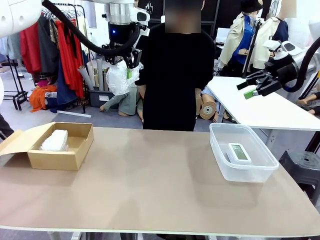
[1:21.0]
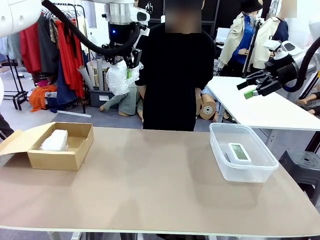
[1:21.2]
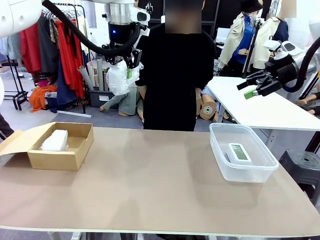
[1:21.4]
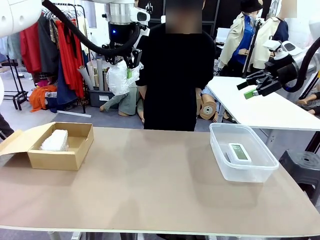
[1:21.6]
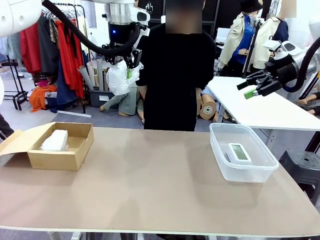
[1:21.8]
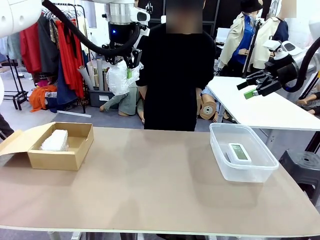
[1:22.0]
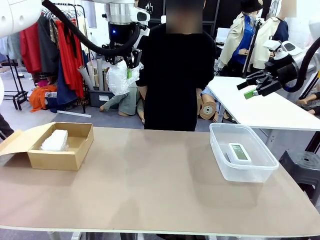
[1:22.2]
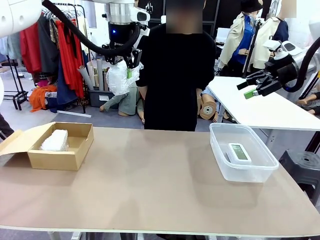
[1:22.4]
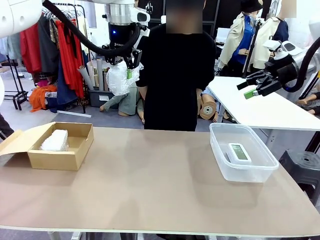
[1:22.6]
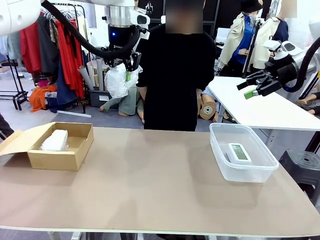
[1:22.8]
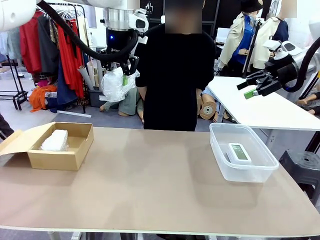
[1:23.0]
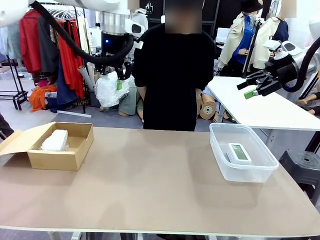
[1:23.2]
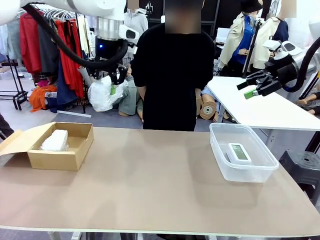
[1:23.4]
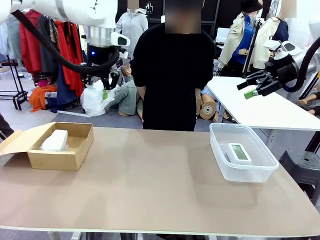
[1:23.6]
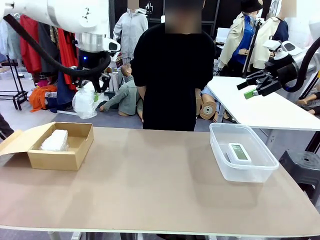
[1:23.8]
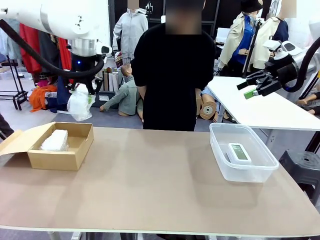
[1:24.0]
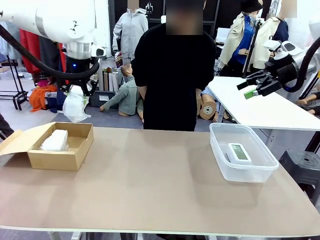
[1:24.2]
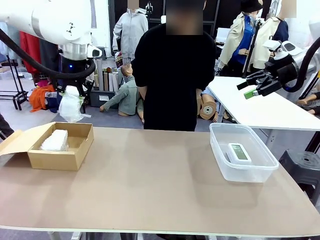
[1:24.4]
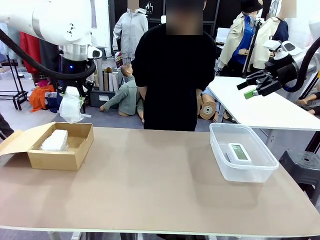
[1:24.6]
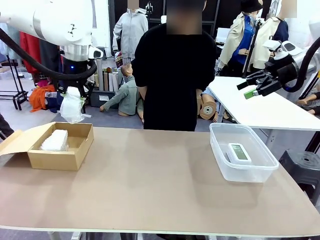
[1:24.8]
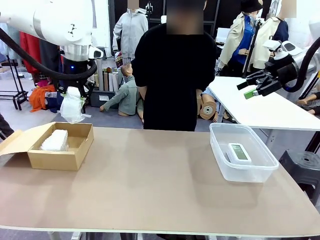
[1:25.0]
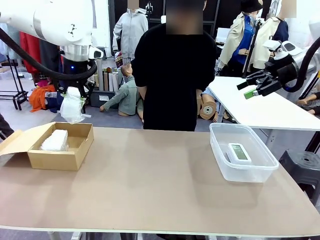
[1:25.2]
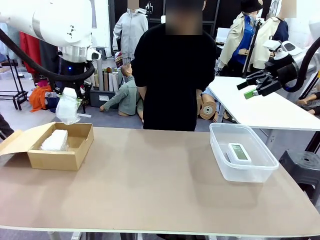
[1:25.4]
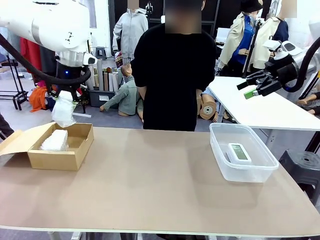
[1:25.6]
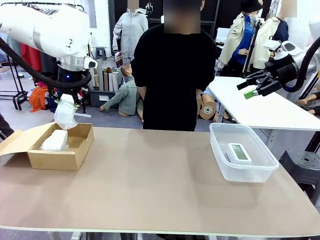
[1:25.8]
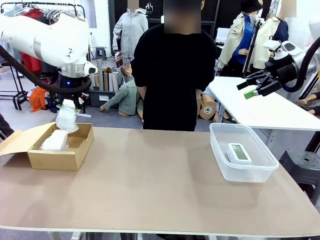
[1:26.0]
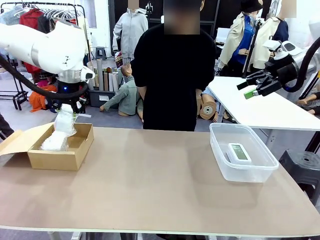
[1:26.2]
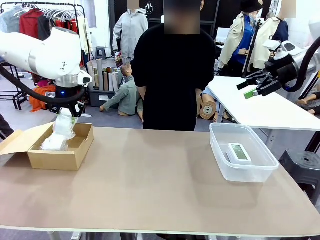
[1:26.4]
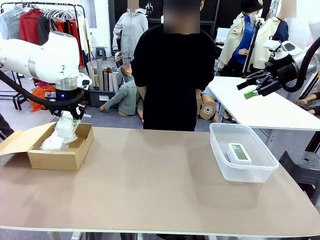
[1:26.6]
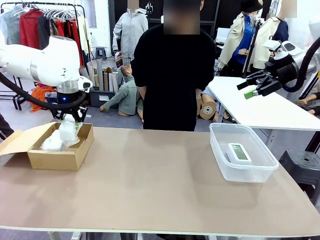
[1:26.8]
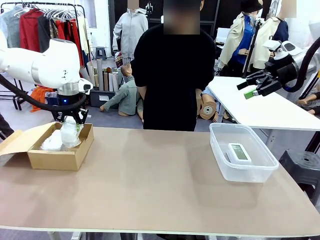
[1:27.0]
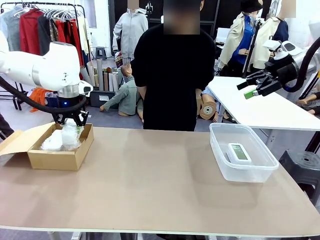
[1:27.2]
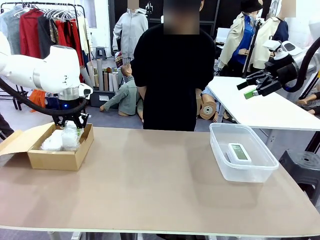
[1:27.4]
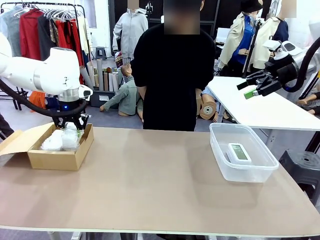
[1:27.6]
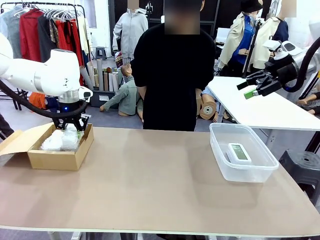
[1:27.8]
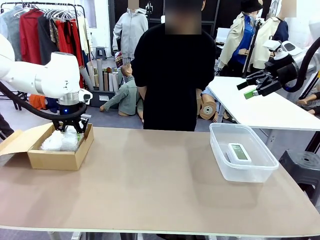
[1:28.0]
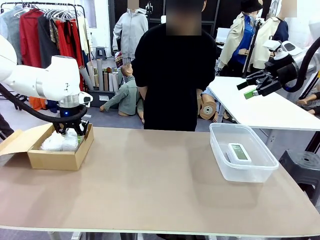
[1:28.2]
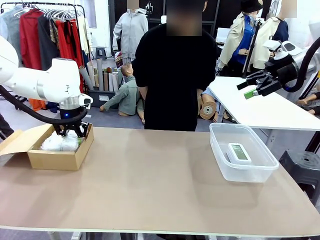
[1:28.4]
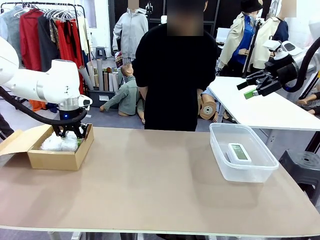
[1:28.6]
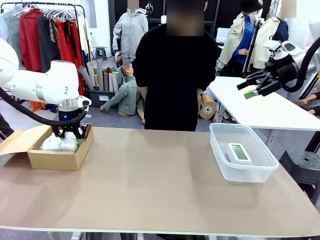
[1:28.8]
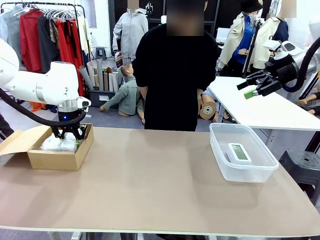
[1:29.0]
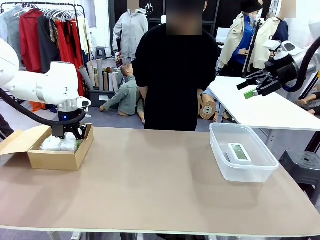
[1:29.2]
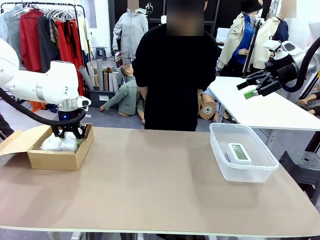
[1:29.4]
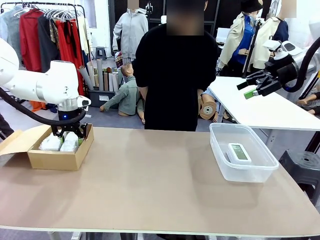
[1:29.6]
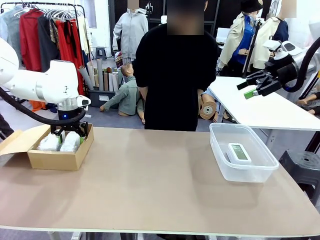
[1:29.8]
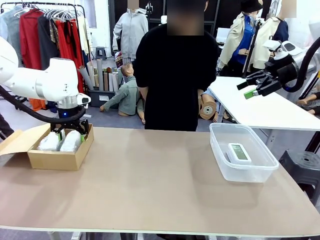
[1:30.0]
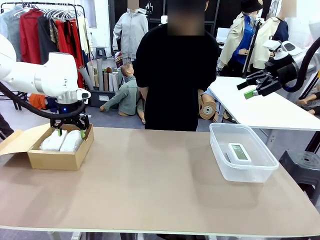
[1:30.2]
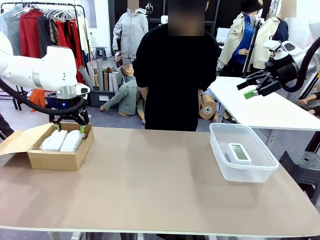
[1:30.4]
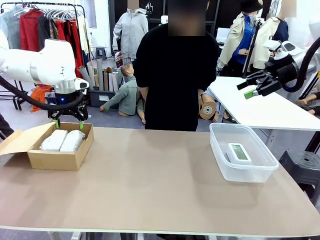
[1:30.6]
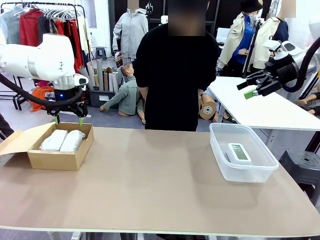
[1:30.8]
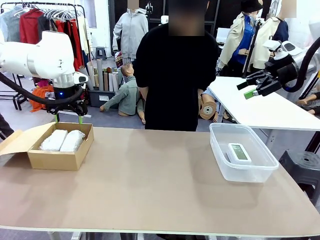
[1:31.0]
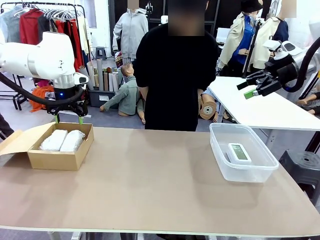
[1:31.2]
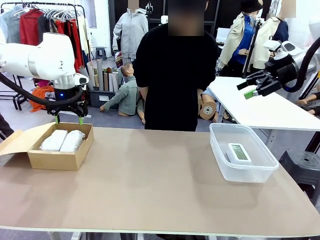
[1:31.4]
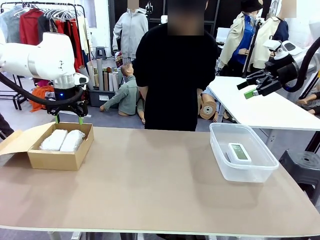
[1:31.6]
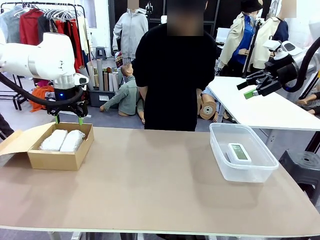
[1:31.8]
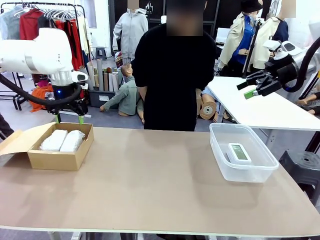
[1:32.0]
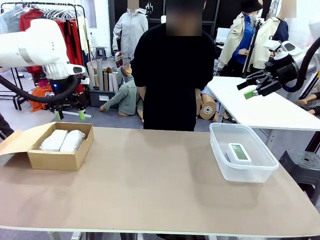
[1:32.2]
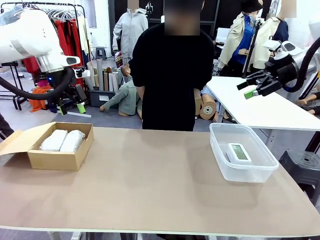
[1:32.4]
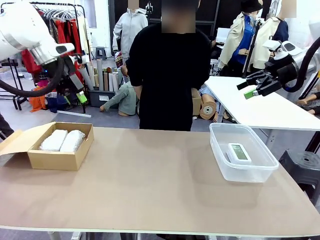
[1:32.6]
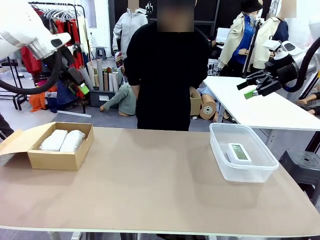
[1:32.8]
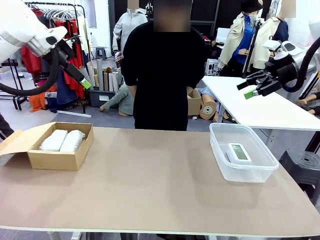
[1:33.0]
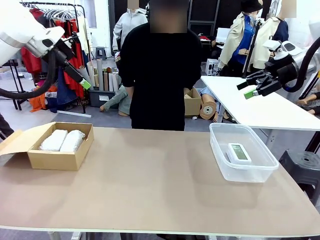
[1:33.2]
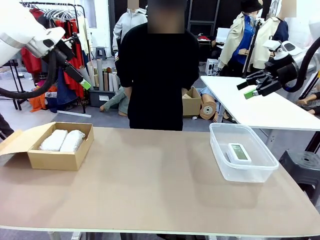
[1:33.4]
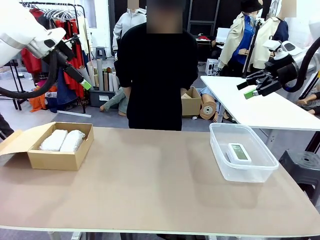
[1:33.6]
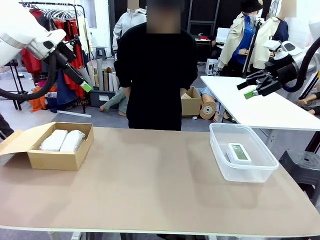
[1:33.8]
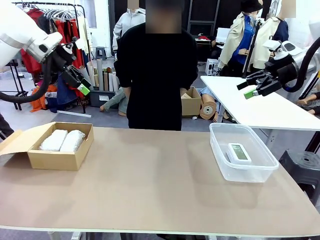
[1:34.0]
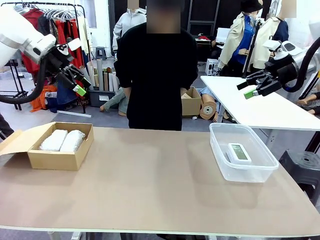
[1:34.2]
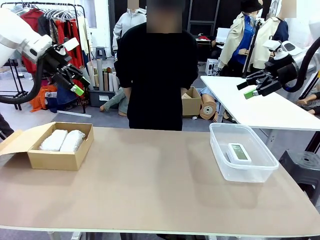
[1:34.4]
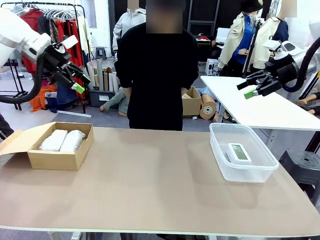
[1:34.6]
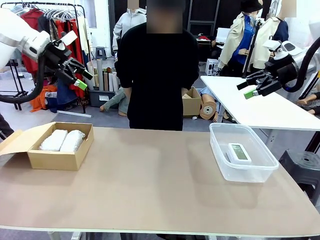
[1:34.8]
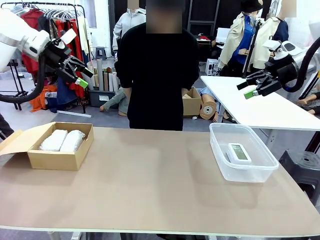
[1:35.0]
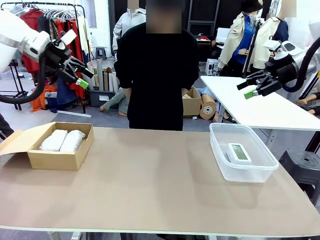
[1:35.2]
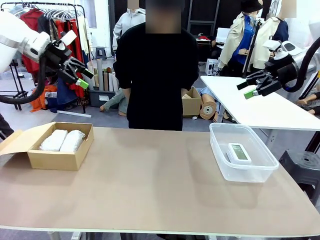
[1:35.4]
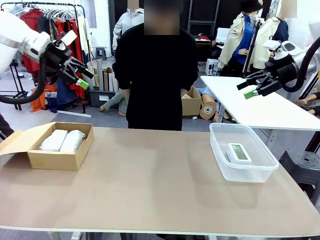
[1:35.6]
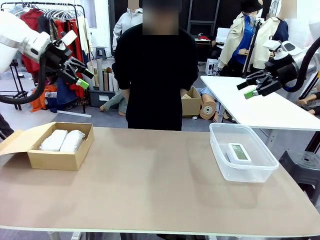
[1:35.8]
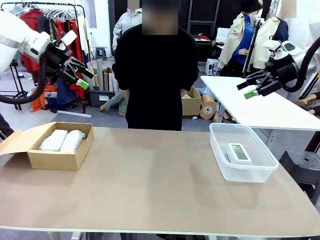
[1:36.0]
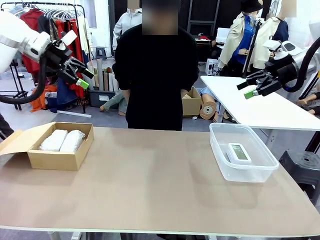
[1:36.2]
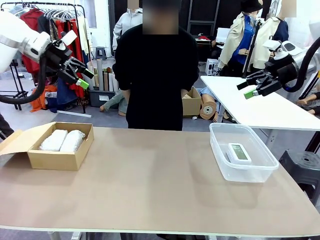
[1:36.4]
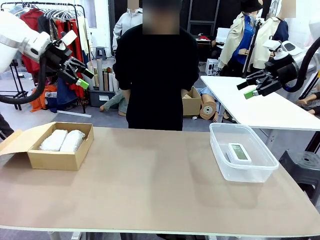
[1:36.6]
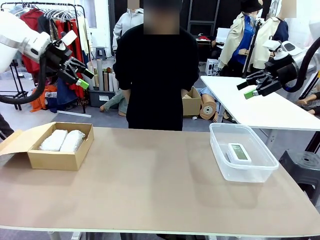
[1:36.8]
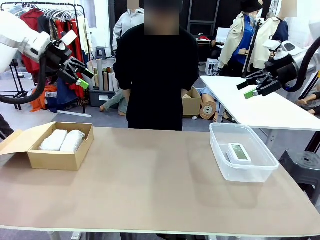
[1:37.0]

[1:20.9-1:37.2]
Task: Separate and place wrapped and unwrapped clocks.
Robot: If the picked Digital clock is wrapped, place it in the Package Box ; if not, place it in the Organizing box.
